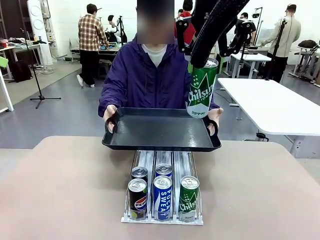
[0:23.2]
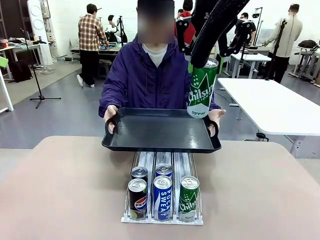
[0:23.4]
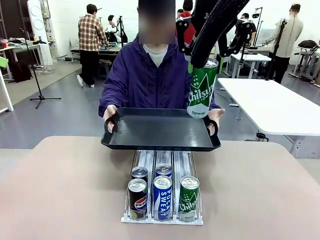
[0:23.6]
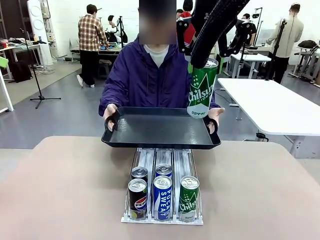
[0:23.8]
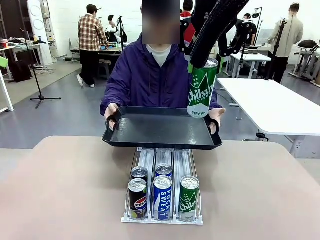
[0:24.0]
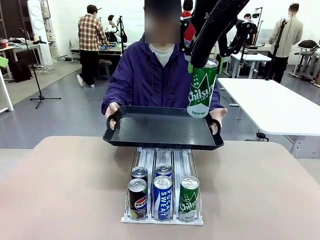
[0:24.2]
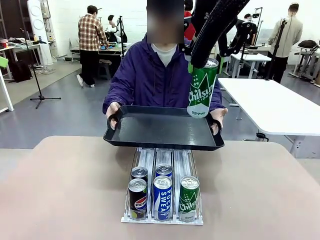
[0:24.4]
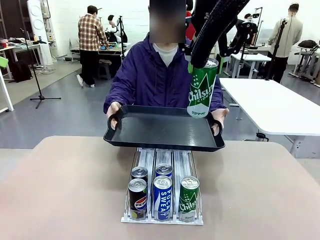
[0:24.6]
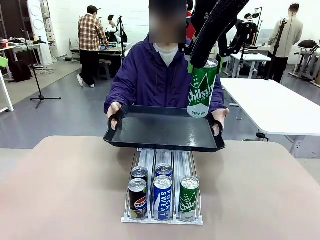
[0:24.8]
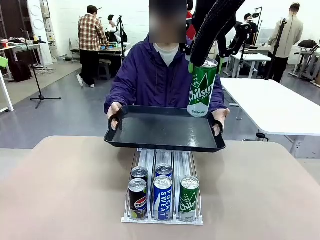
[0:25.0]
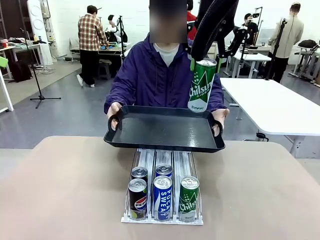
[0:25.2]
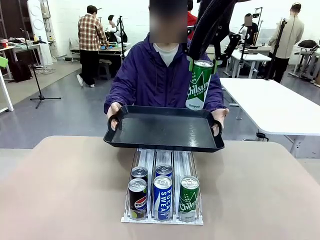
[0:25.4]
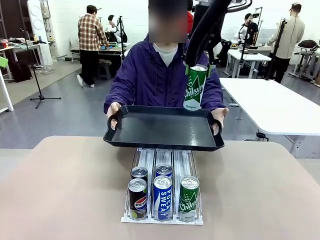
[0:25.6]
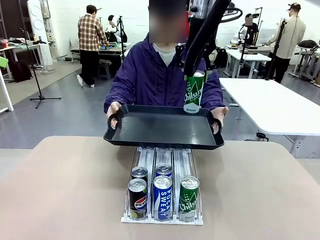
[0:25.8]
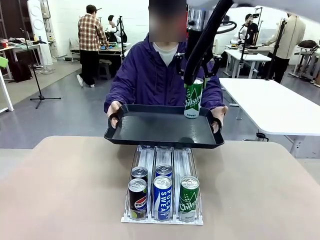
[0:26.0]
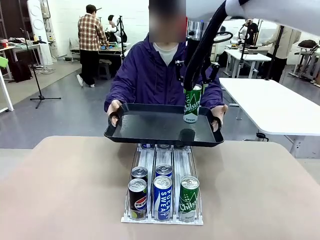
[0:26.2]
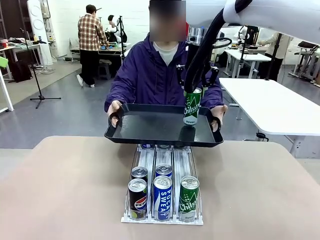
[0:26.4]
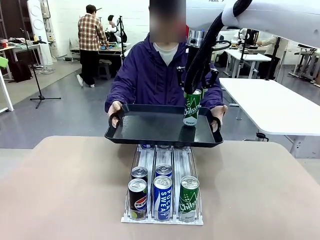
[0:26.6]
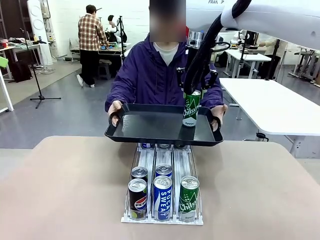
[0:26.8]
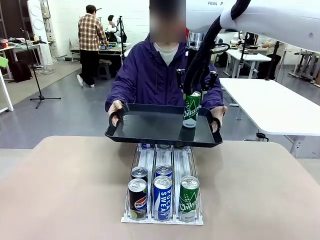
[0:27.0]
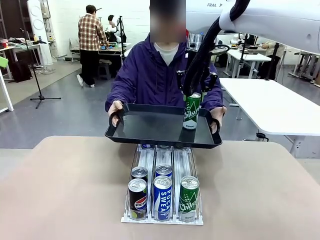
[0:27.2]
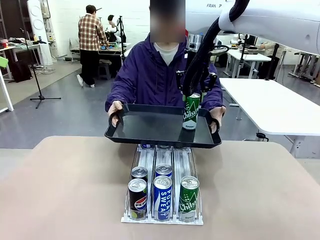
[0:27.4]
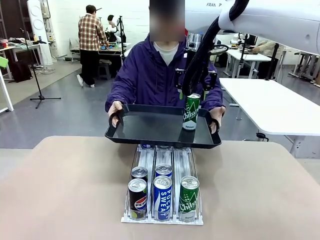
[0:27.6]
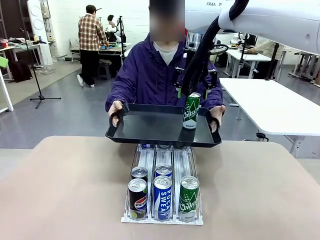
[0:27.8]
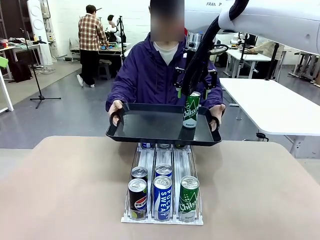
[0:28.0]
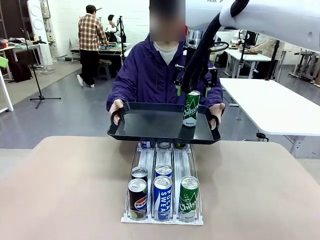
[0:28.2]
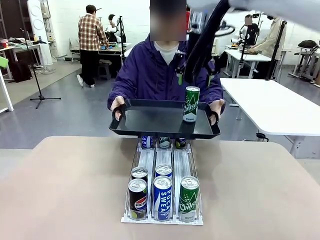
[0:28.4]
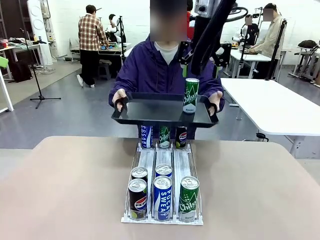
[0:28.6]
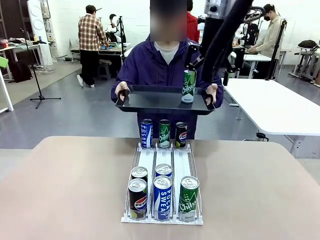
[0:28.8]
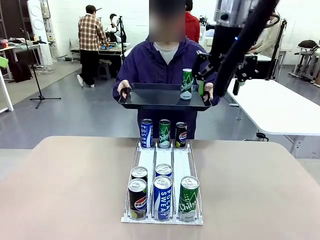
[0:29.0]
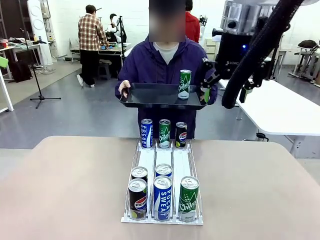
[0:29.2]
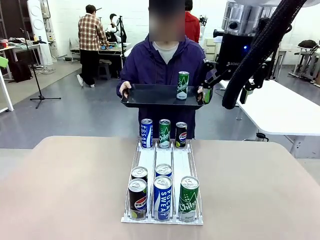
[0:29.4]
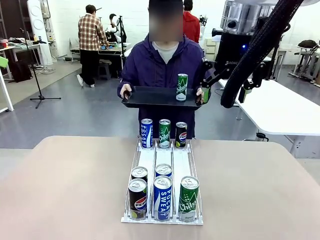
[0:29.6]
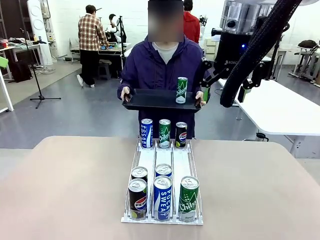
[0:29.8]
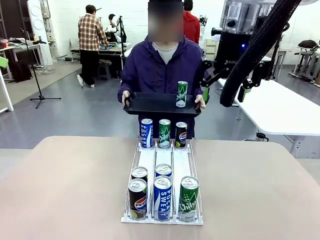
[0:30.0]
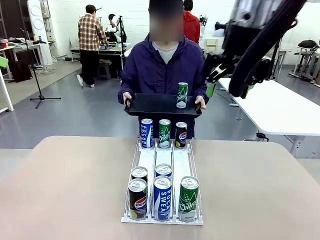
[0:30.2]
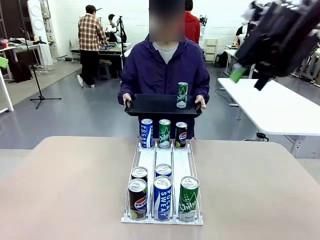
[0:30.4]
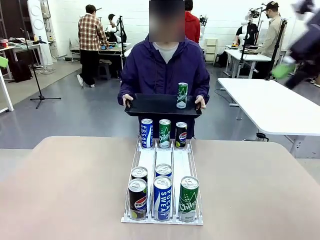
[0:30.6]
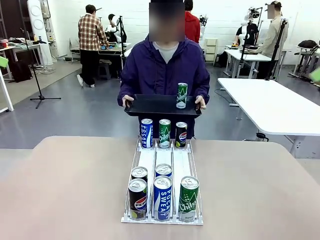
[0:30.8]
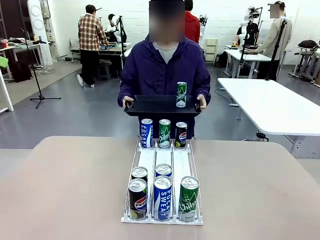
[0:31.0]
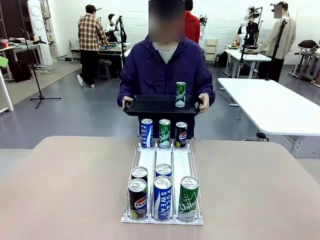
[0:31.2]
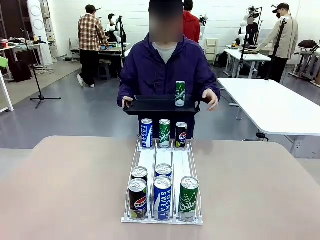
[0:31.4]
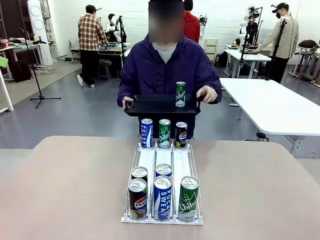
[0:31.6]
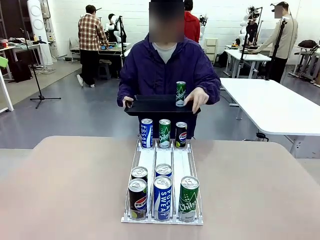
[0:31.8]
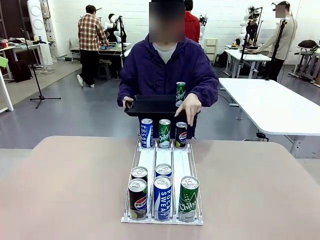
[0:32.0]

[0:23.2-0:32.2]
Task: Retrieve and hand over the desired beverage to the person.
Robot: Place the picked can on the Handle tray extended by the person.
Person: Pull the tray back, then pick up another can from the bottom area of the table and puts it back in its original place.

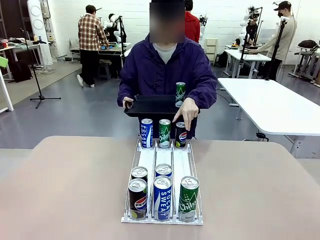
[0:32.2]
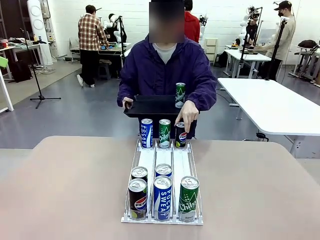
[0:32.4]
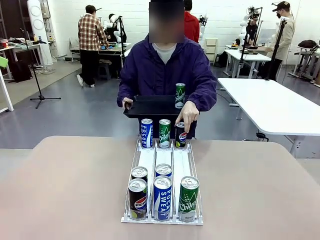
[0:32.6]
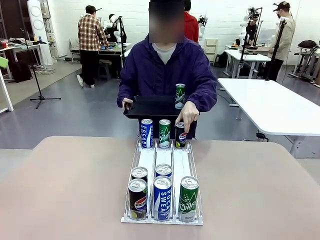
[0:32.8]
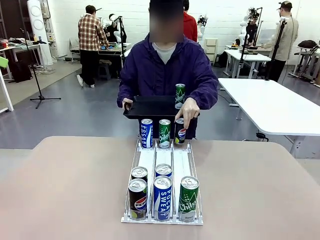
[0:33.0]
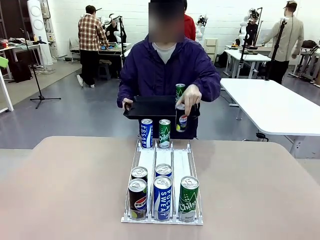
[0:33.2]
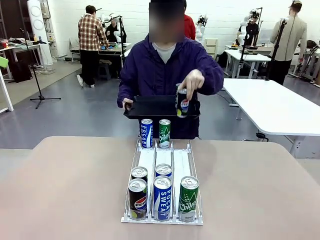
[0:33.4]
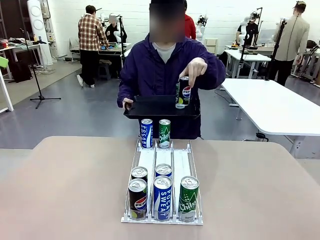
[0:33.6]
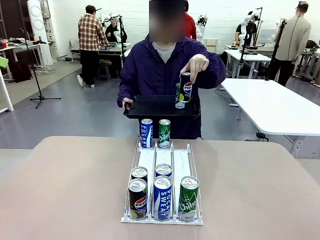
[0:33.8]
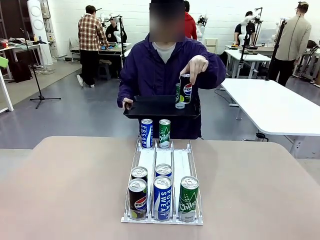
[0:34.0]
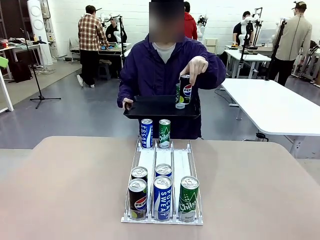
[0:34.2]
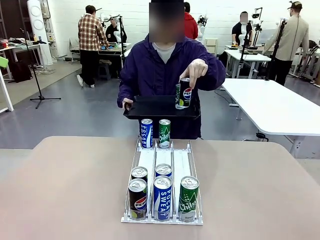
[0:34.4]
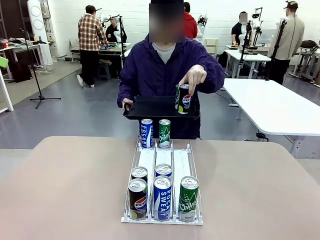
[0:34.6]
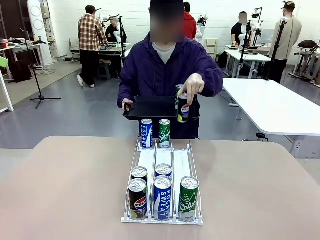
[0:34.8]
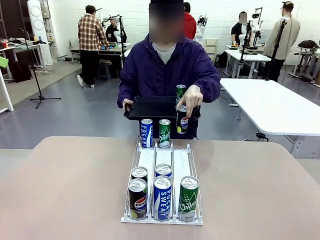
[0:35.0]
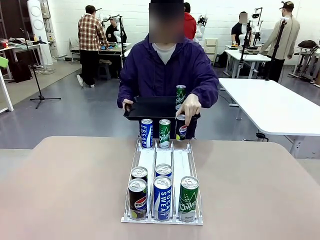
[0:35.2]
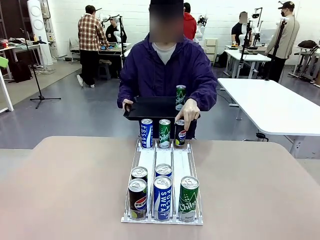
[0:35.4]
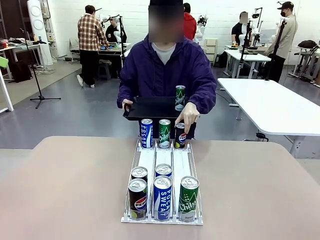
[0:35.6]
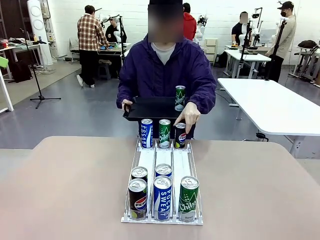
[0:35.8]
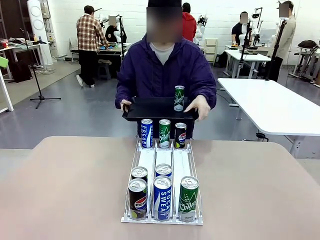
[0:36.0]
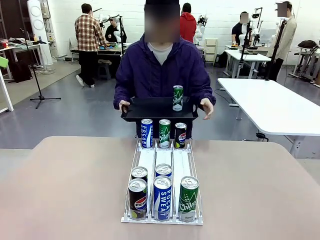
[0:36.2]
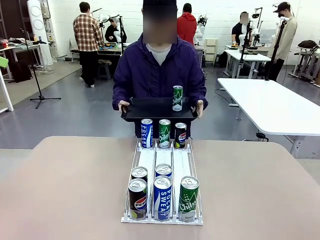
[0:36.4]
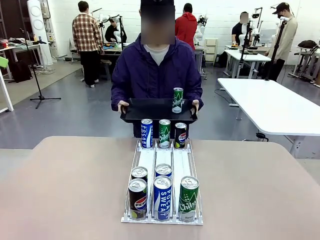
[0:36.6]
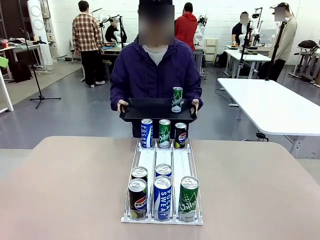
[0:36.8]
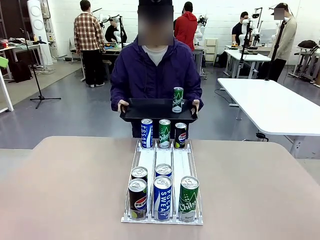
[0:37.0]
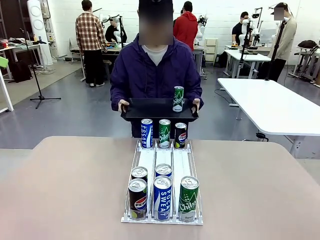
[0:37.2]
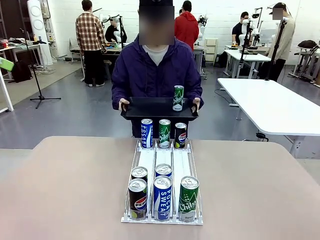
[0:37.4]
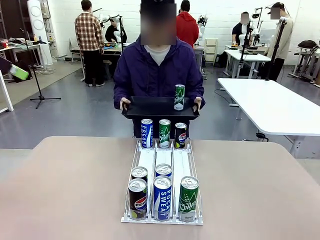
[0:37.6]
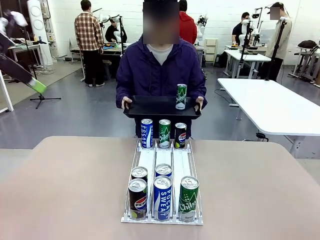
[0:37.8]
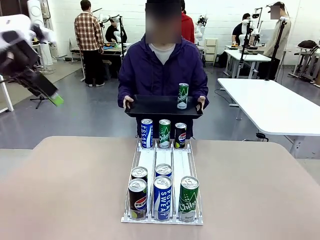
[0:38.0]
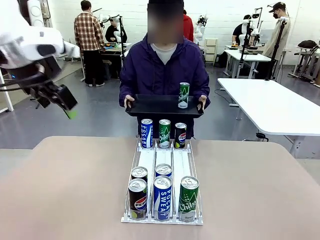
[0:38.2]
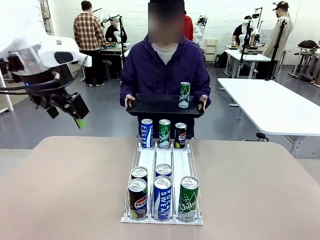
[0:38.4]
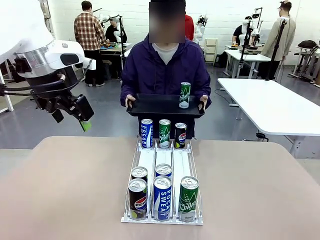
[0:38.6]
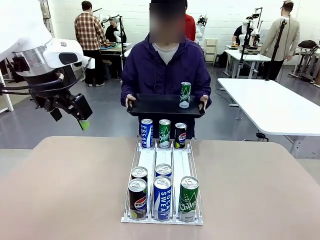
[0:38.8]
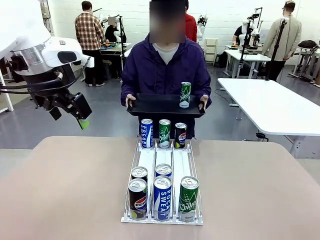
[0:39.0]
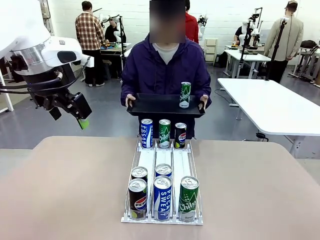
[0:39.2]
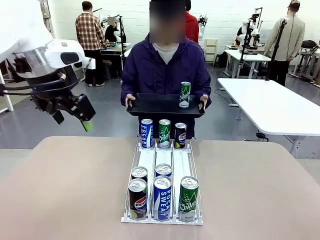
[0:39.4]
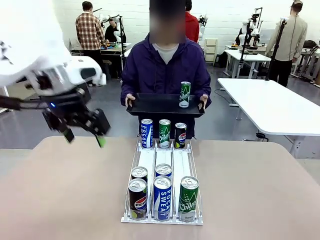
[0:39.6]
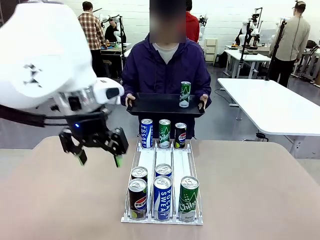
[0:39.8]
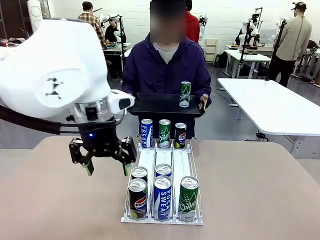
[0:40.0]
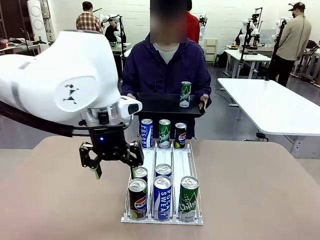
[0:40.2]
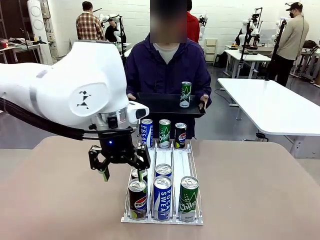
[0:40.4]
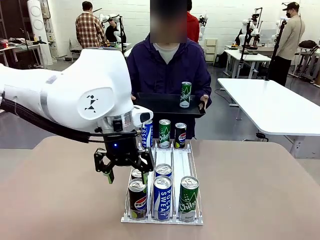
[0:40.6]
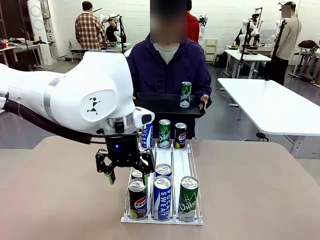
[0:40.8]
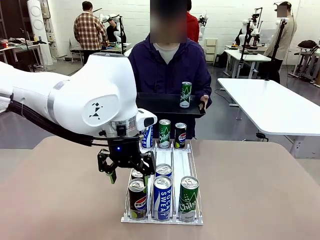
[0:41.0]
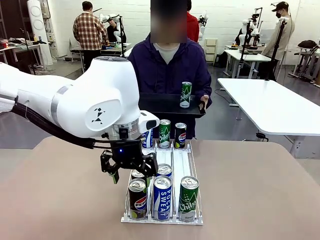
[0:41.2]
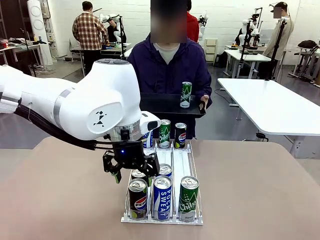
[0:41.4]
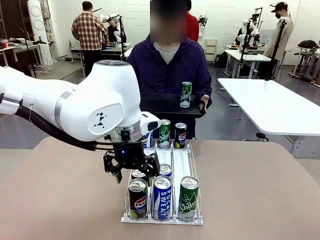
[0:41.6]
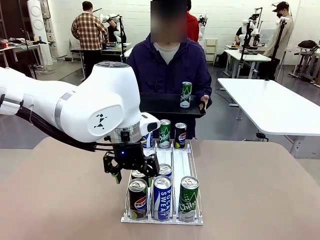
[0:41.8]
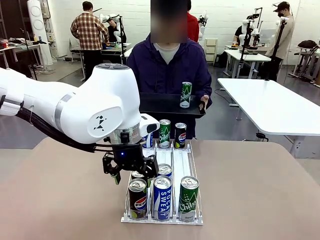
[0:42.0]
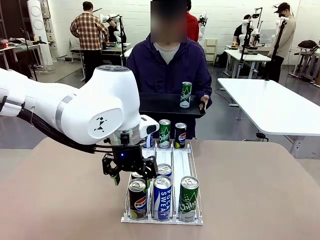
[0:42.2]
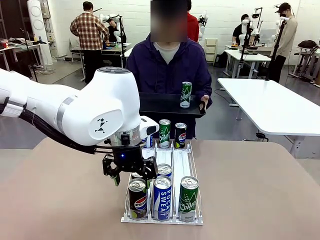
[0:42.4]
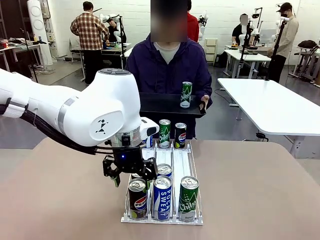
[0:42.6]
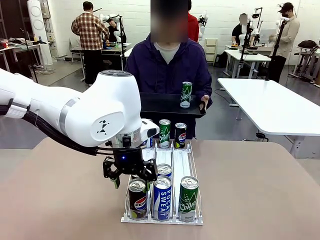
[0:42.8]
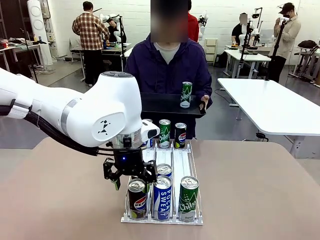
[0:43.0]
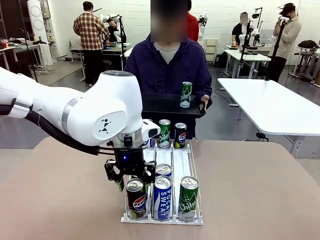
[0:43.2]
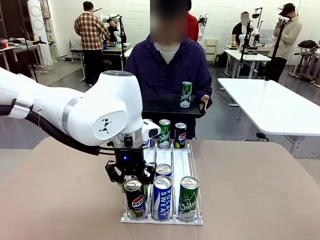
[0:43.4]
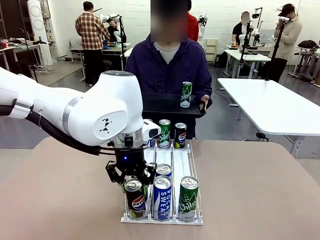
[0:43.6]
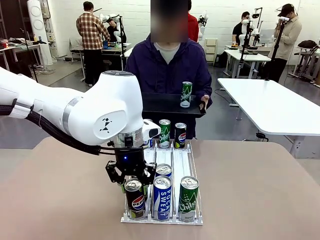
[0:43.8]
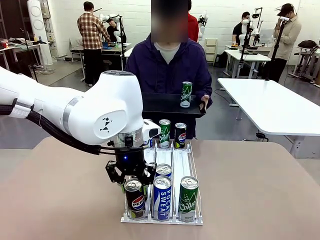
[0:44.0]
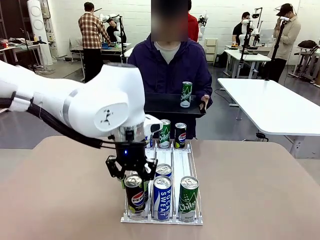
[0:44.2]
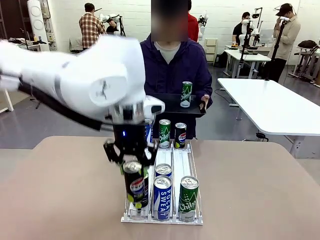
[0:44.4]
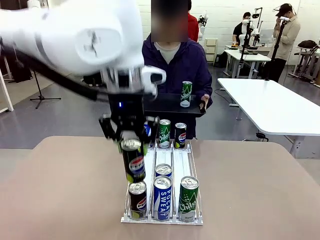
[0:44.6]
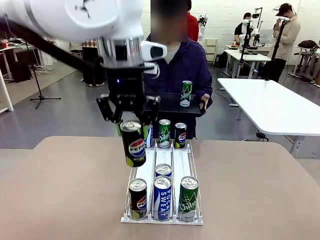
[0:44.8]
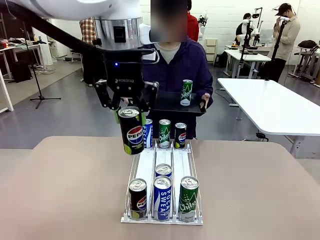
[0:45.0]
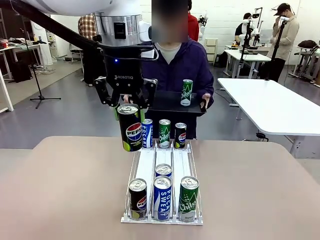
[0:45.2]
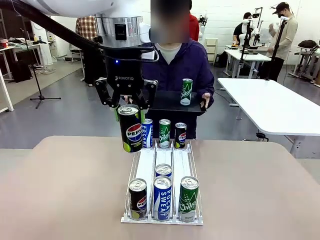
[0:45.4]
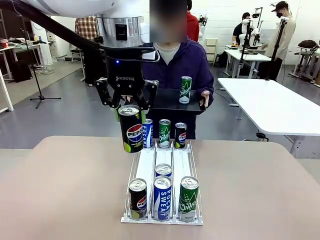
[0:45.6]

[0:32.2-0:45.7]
Robot: Pick up another can of the same type that the person held from the Automatic Can Dispenser.
Person: Push the tray toward the robot again.
